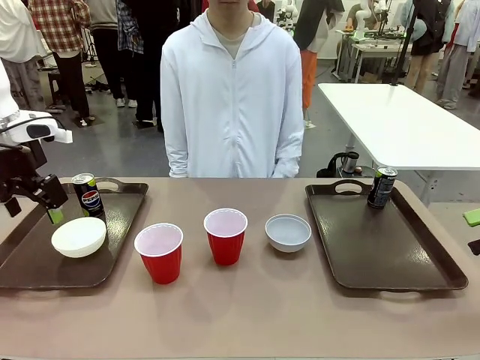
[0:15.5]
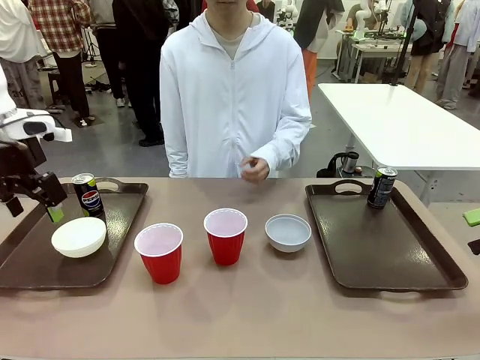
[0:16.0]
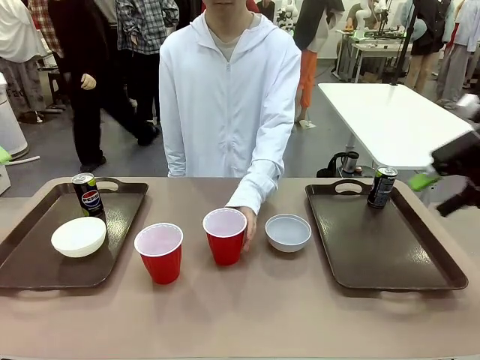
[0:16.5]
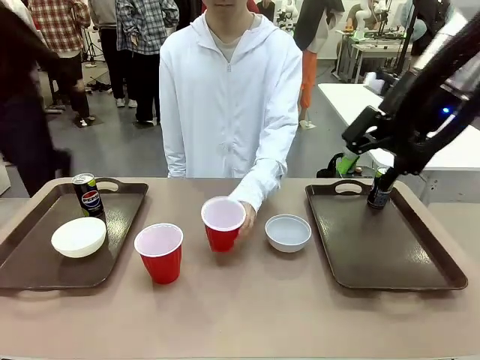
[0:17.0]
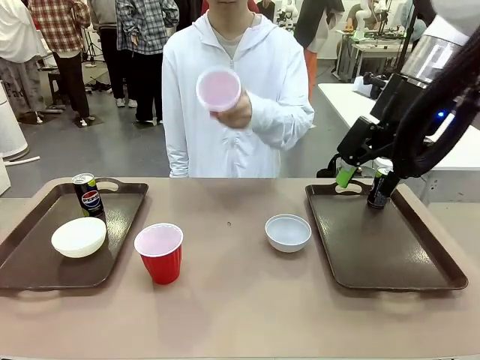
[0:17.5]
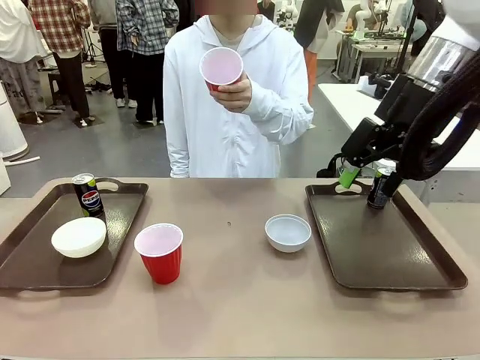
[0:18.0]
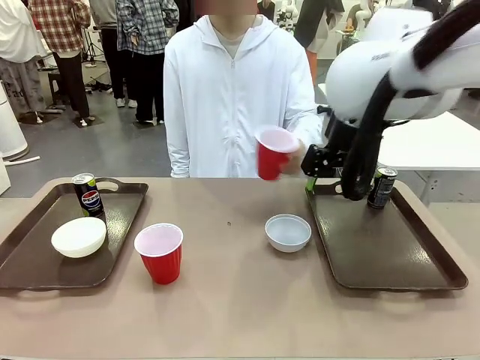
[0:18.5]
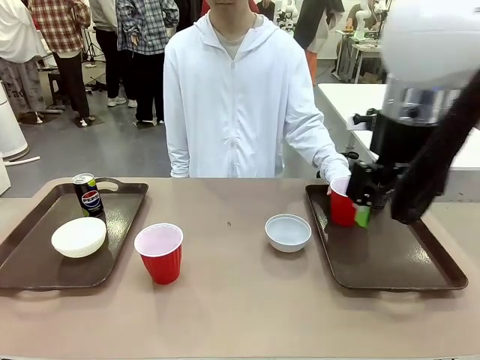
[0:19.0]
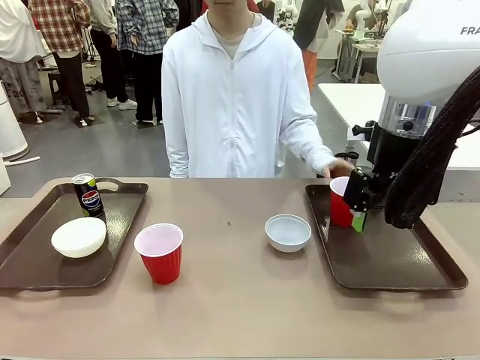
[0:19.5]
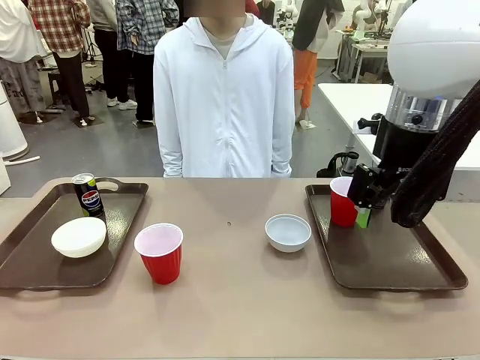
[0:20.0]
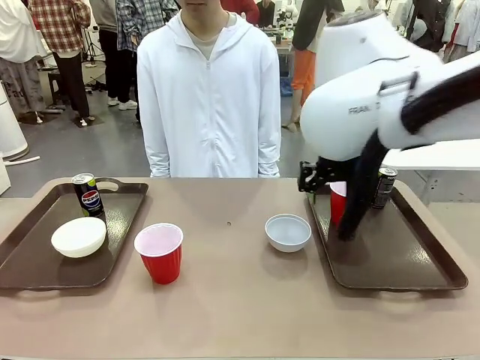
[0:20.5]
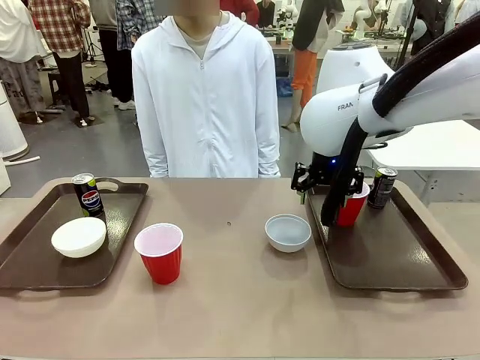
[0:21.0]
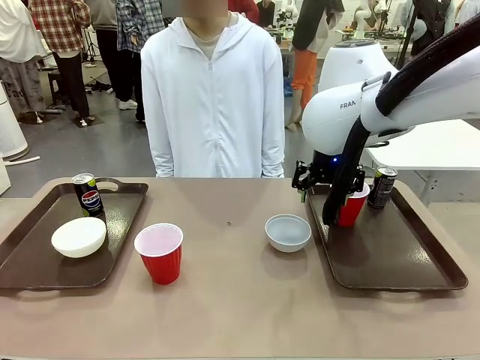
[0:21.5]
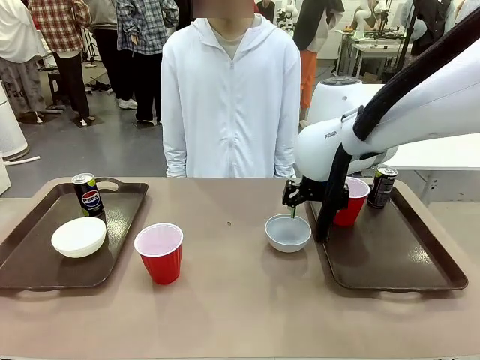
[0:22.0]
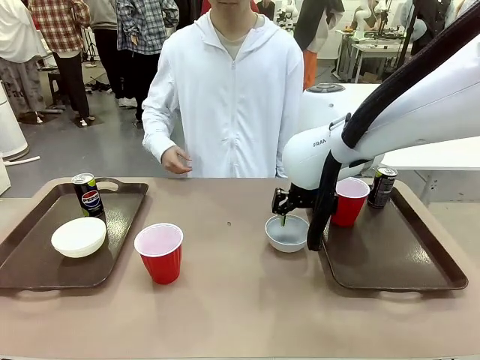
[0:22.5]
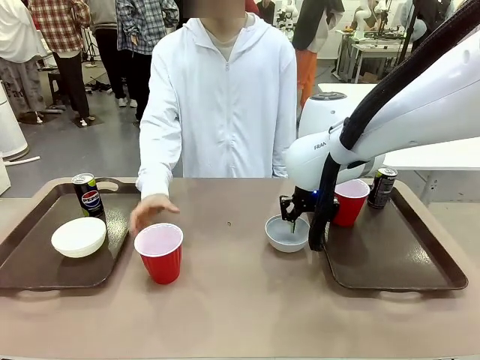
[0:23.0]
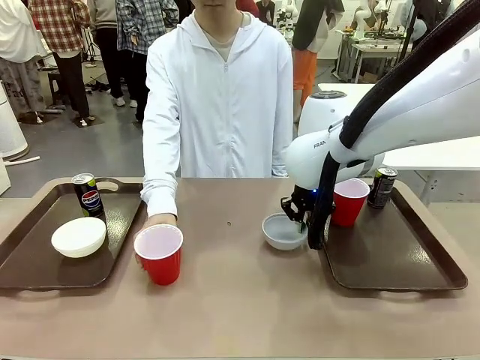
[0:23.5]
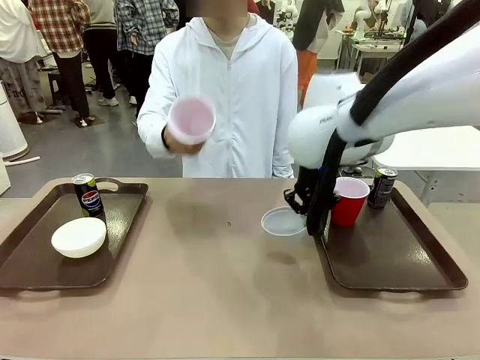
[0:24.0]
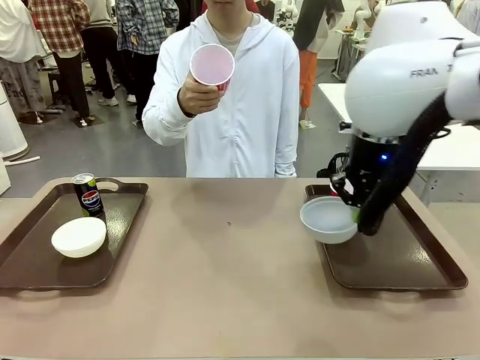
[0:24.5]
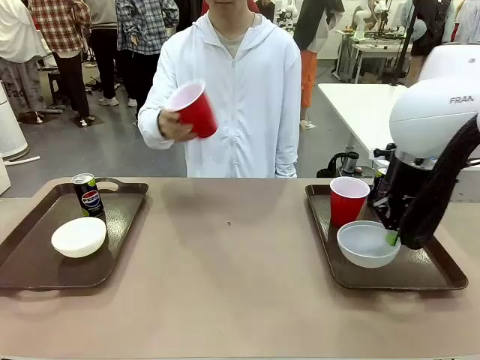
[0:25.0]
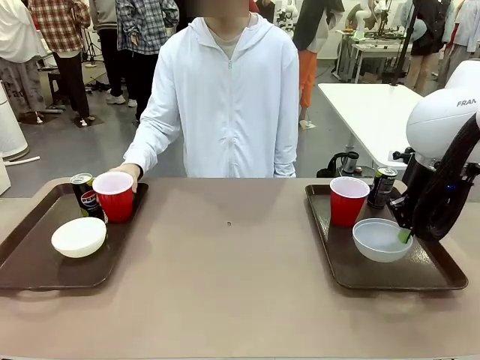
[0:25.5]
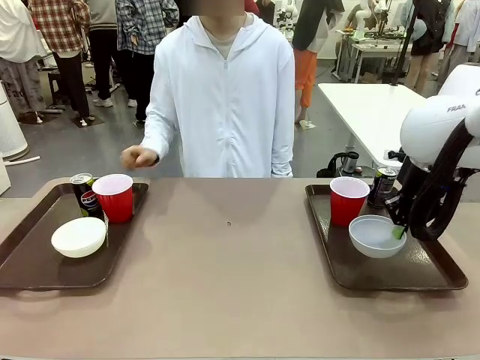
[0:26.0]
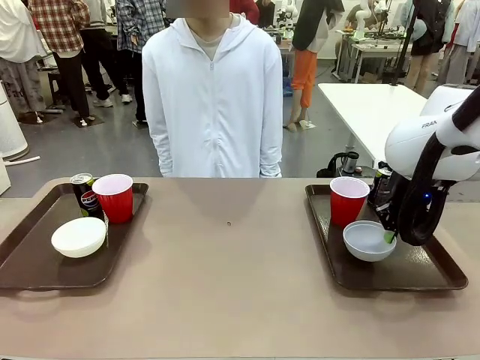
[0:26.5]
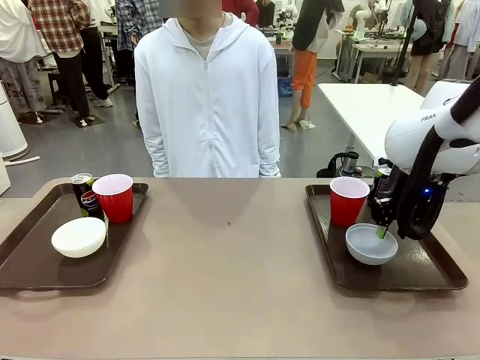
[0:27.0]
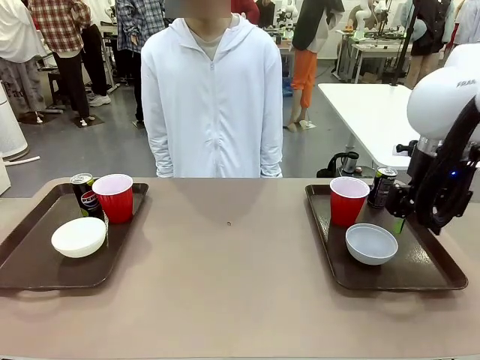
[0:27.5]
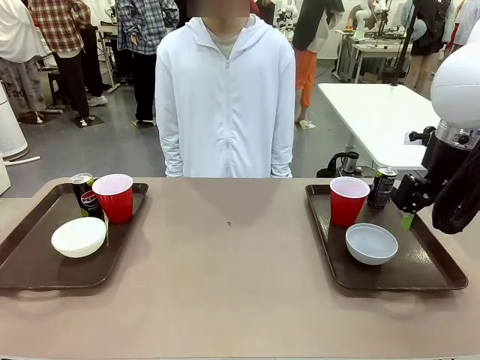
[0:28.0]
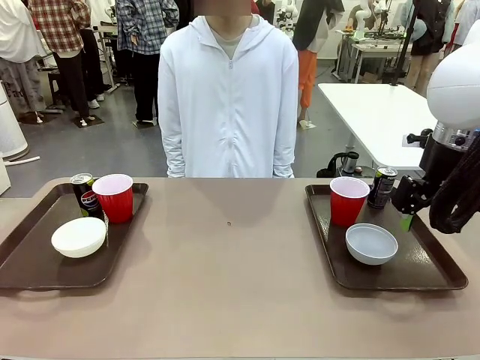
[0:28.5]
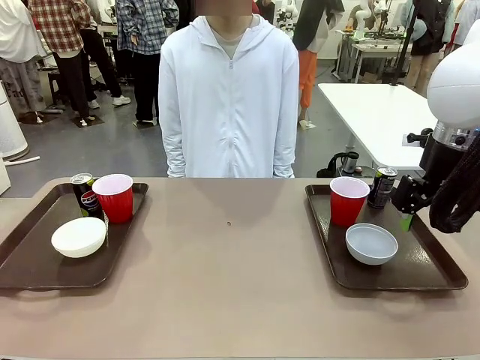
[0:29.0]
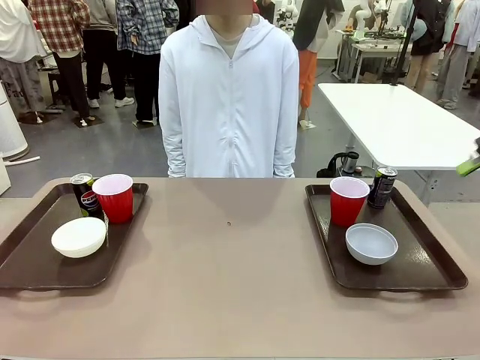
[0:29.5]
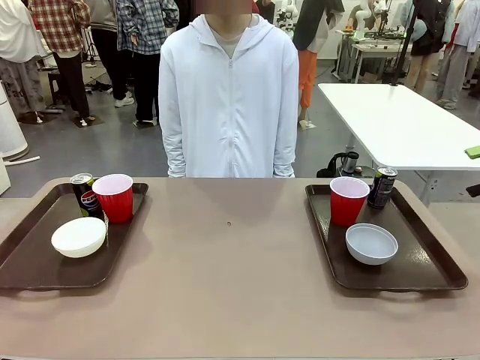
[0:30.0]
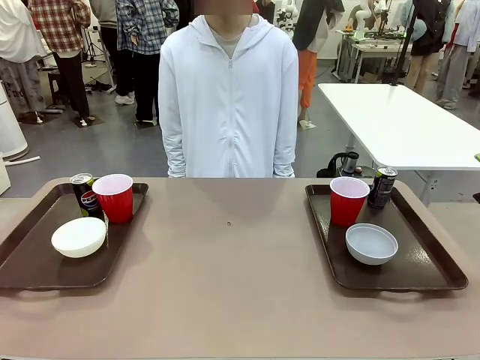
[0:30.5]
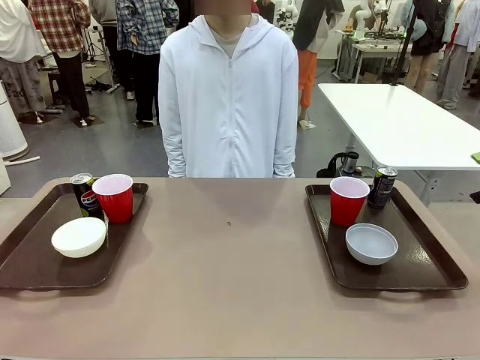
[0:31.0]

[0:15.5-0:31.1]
Task: Prepare tableware on both trays.
Robot: Pick up a Picnic Bowl from the table and place it on a Handle tray.
Person: Pick up a can or cup and place it on the tray without a can or cup.
